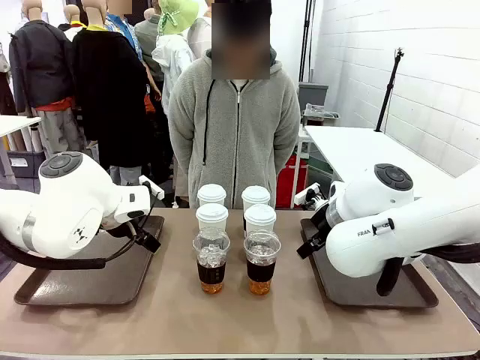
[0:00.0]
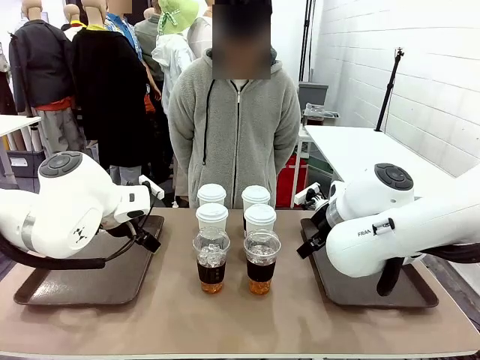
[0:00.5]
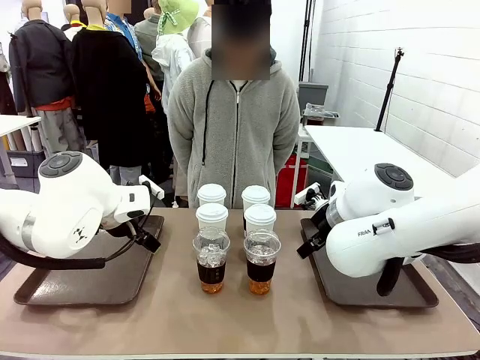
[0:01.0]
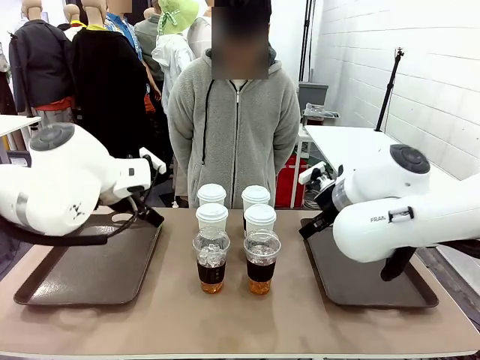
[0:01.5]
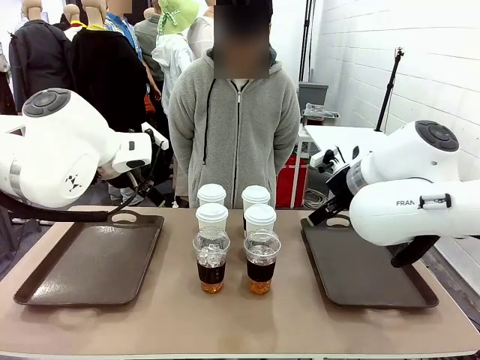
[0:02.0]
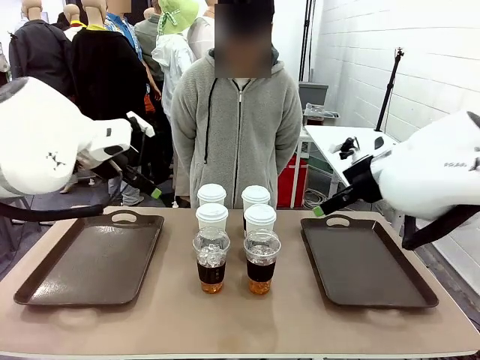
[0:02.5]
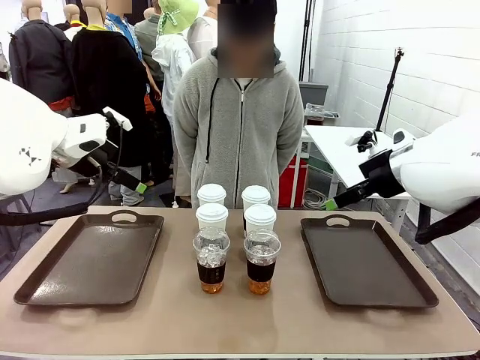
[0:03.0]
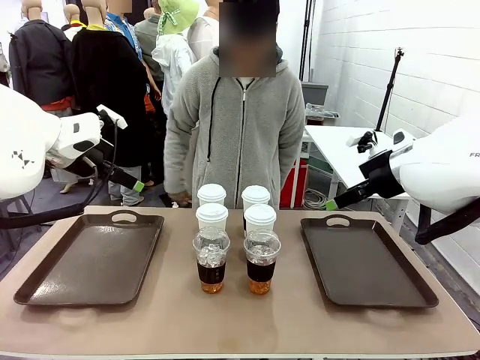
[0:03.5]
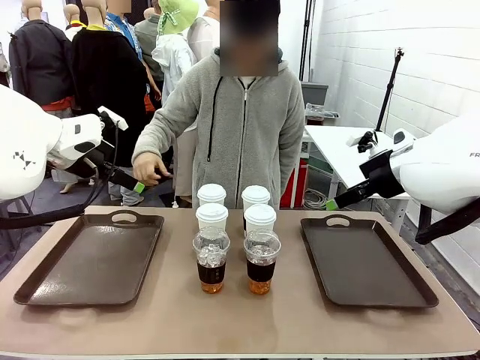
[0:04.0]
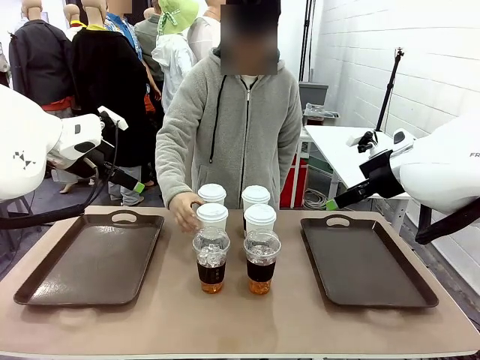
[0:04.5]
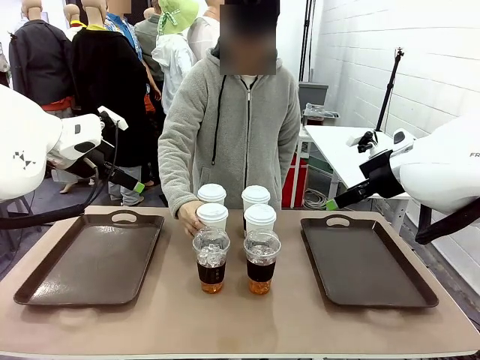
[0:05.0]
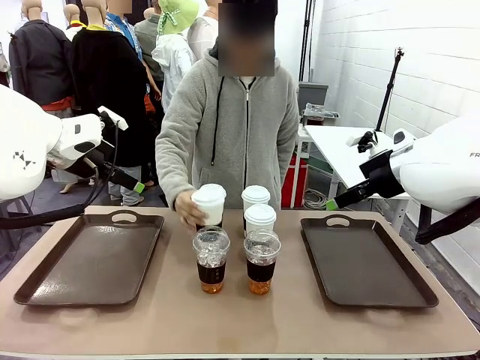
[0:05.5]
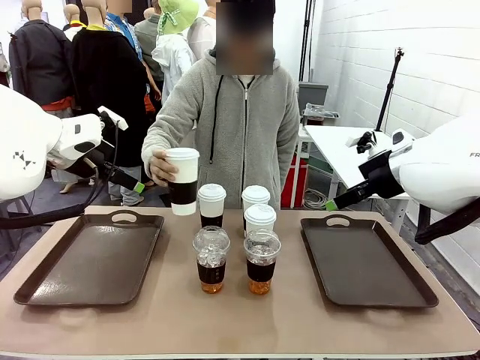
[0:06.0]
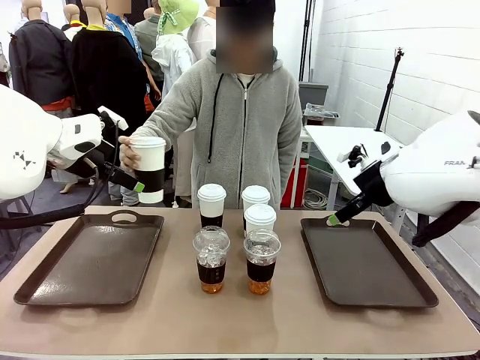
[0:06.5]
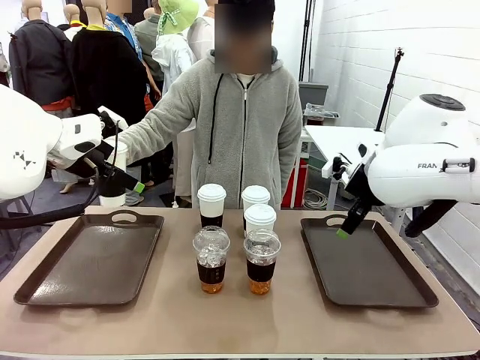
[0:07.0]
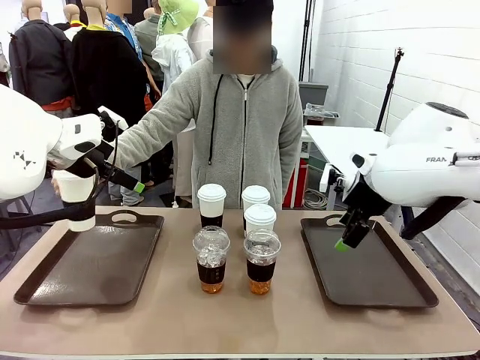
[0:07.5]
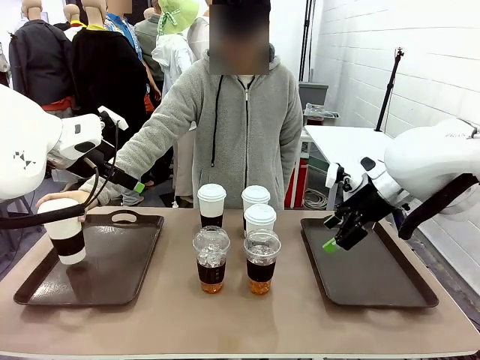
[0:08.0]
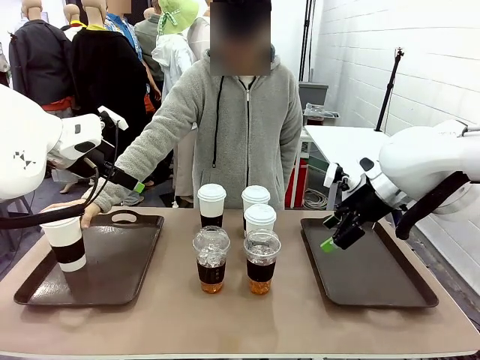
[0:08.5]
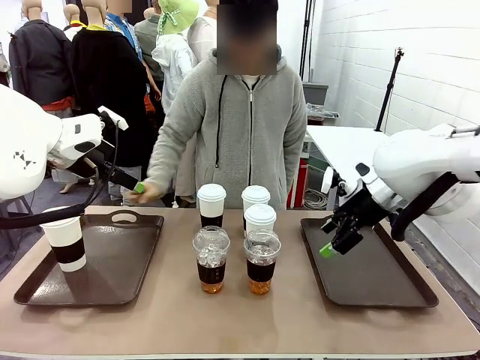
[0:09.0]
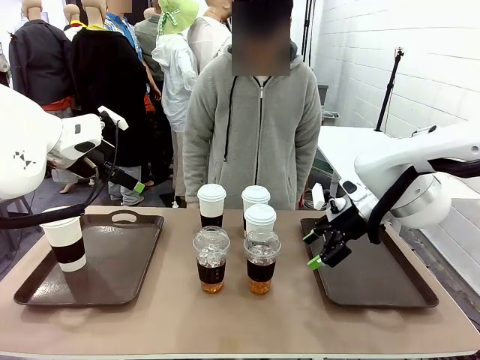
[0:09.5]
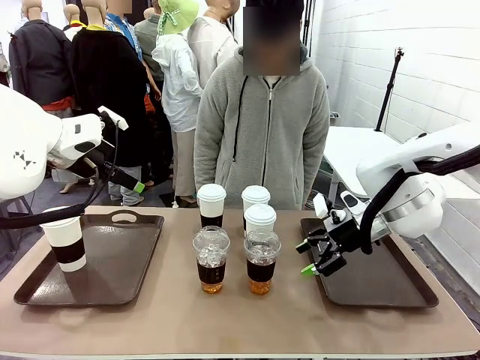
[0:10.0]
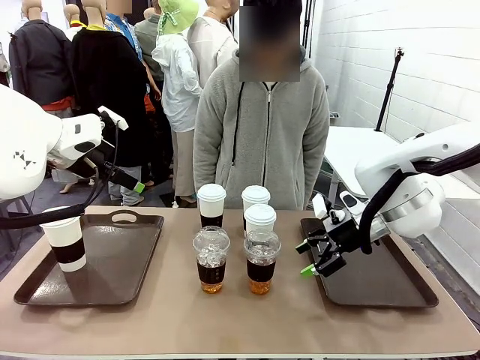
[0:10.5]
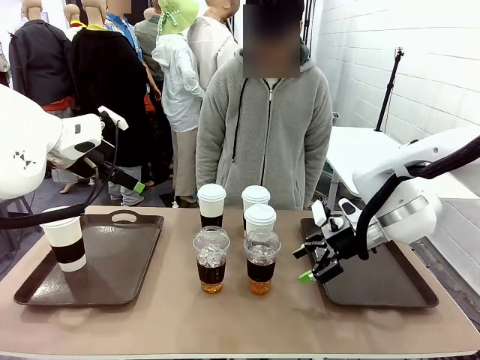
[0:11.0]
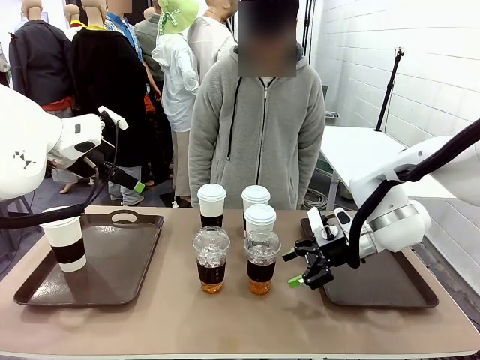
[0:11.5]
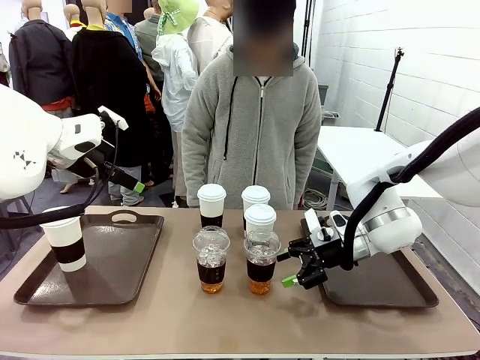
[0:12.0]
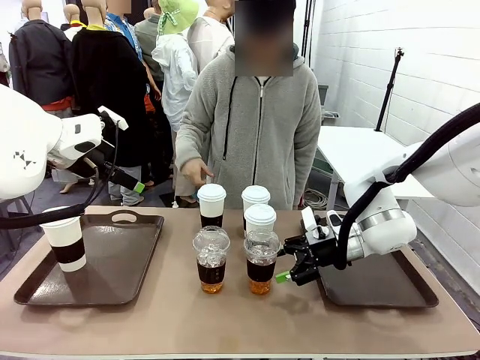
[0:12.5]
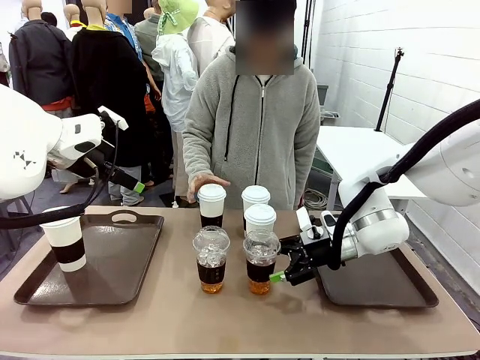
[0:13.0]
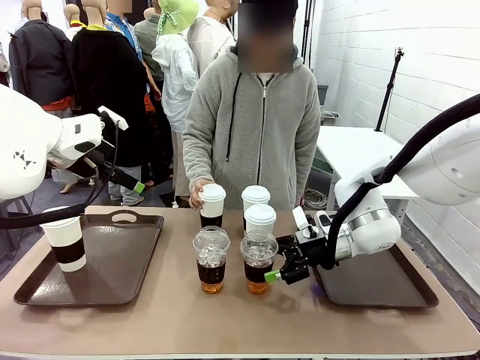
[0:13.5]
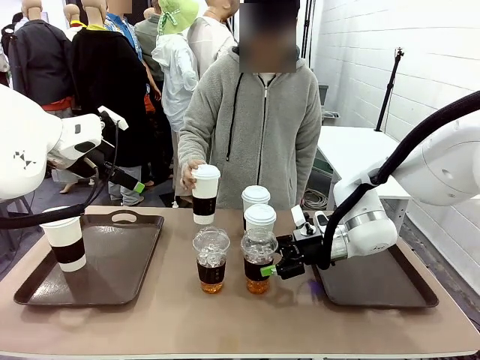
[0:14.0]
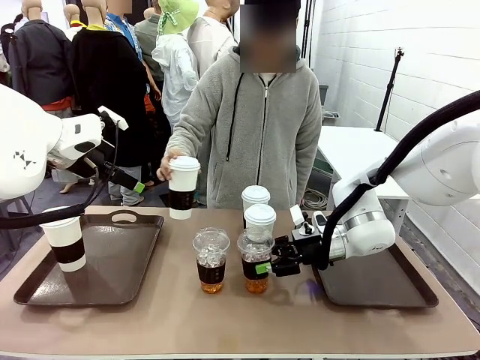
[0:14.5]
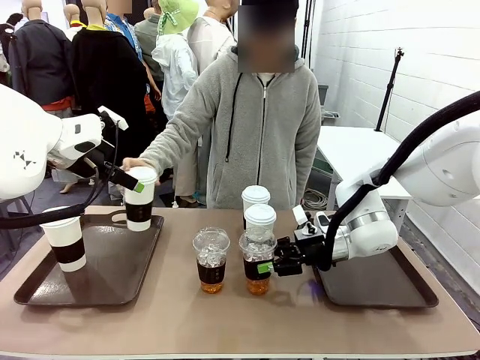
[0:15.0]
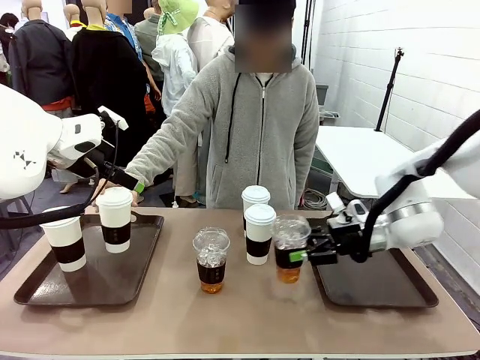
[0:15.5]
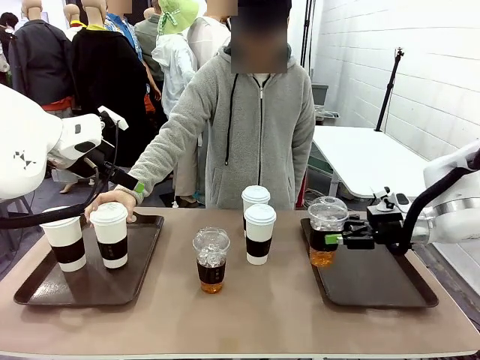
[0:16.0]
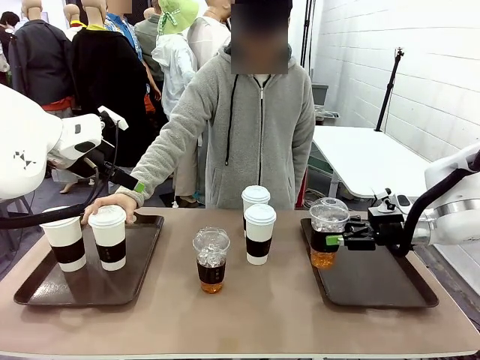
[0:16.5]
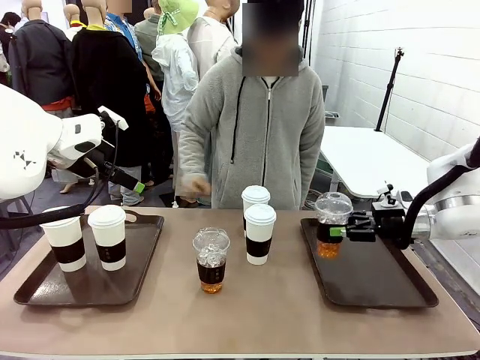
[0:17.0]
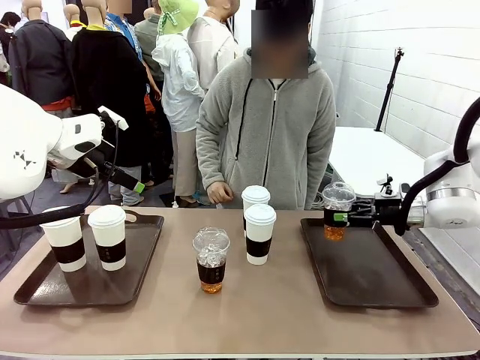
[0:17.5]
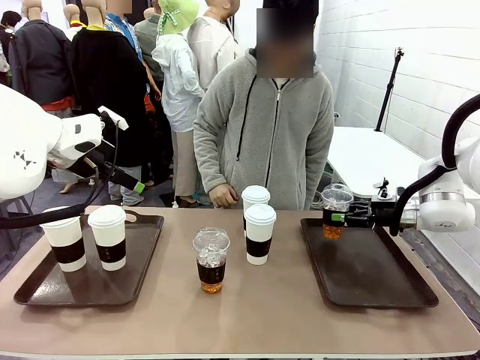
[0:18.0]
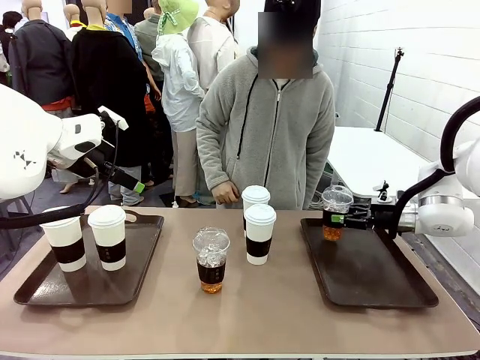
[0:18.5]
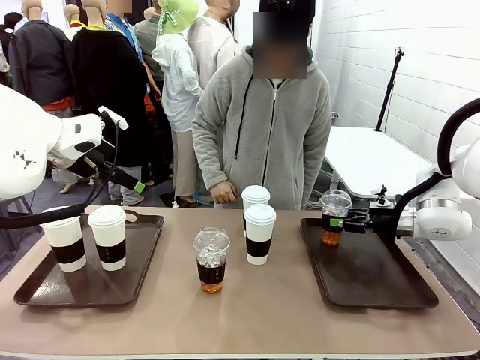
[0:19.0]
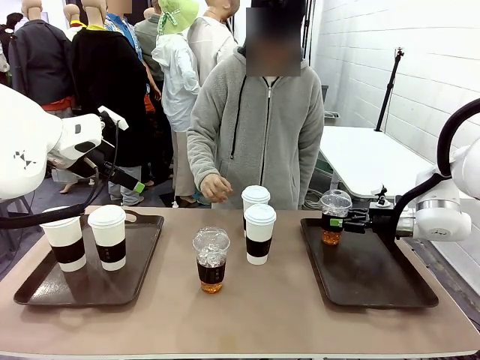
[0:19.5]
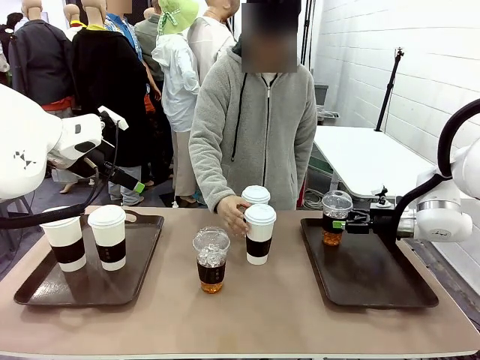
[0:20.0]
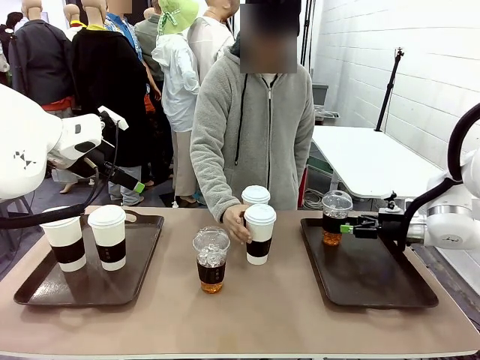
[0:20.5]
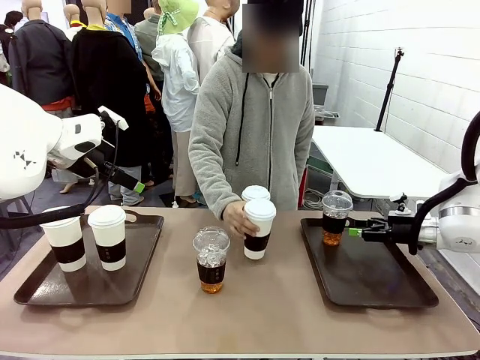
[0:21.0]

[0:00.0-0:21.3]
Task: Distribute the coffee onto the tray.
Robot: Pick up one iced Americano and place it on the right Handle tray.
Person: Pick up a cup of hot Americano and place it on the right tray.
